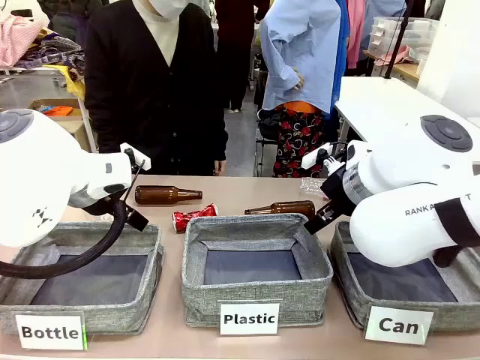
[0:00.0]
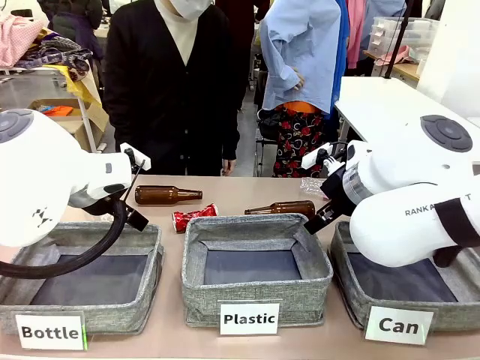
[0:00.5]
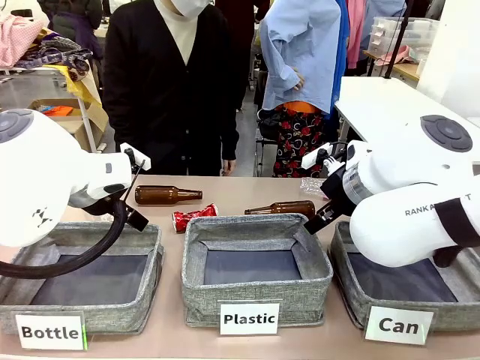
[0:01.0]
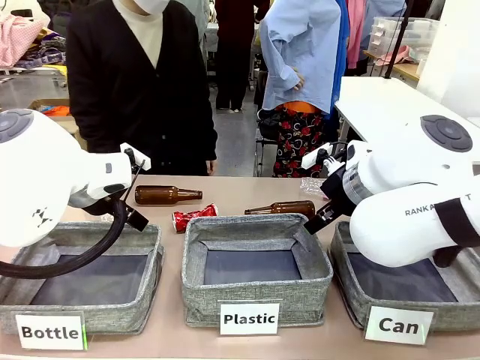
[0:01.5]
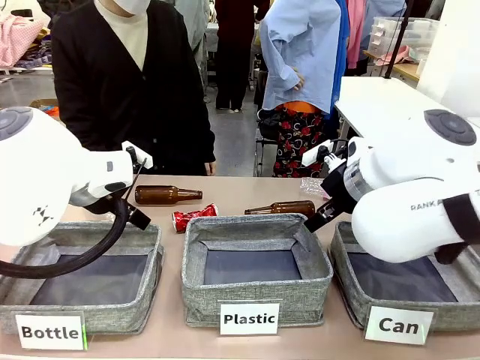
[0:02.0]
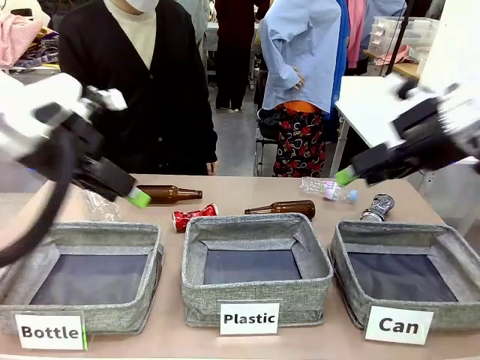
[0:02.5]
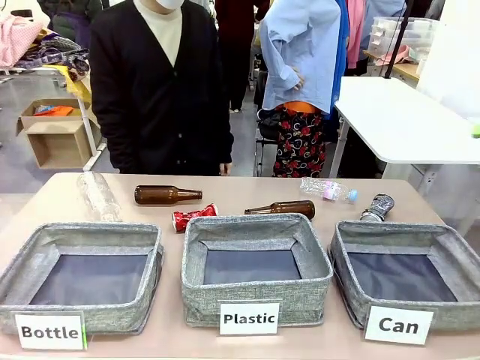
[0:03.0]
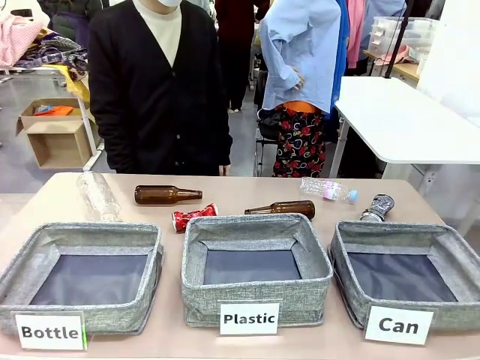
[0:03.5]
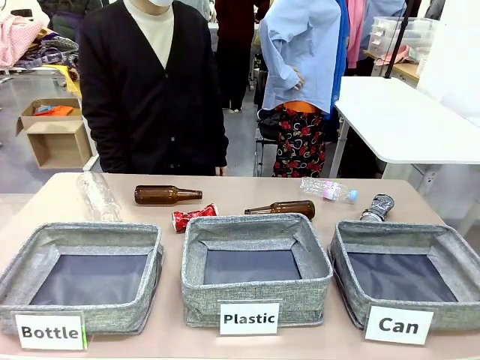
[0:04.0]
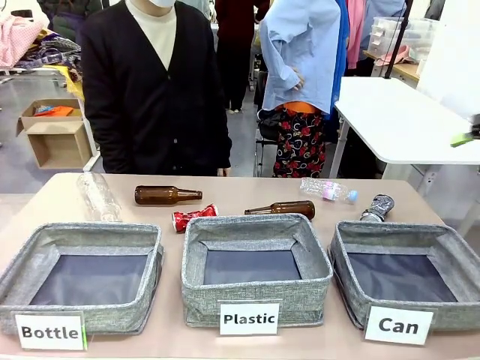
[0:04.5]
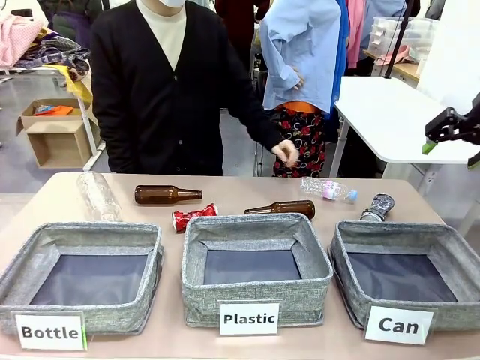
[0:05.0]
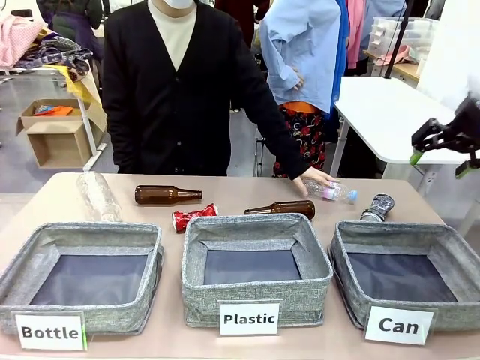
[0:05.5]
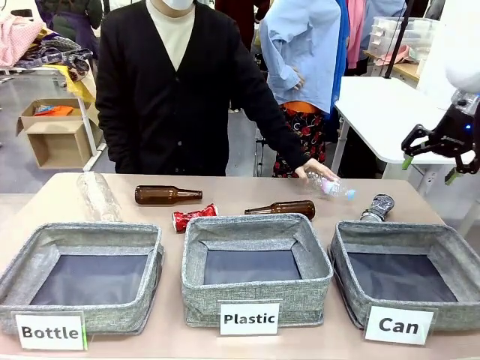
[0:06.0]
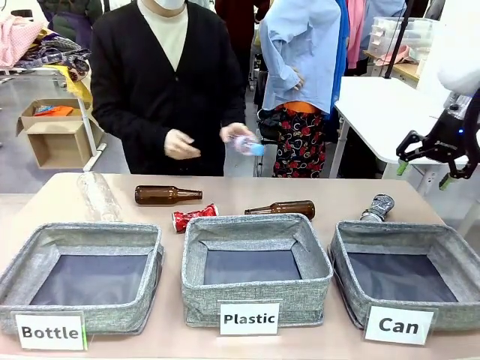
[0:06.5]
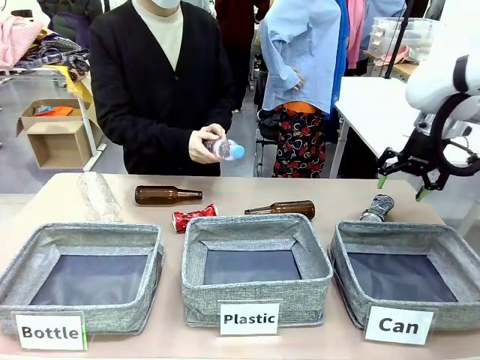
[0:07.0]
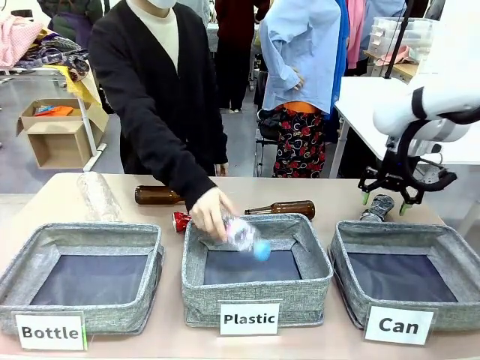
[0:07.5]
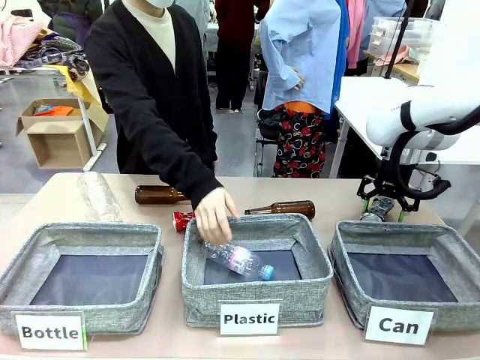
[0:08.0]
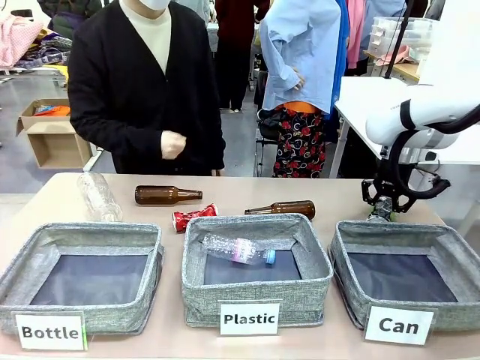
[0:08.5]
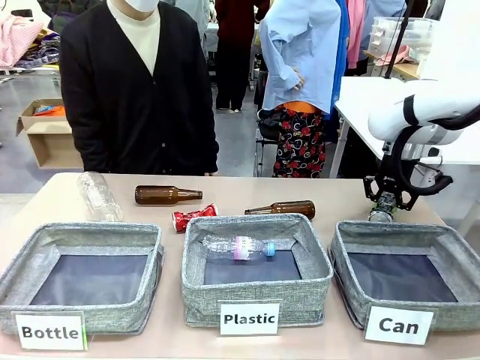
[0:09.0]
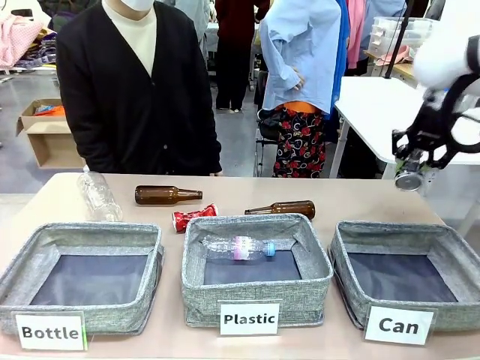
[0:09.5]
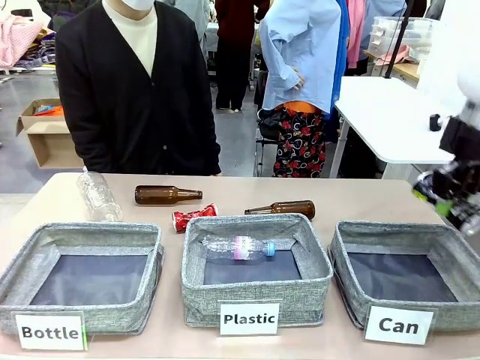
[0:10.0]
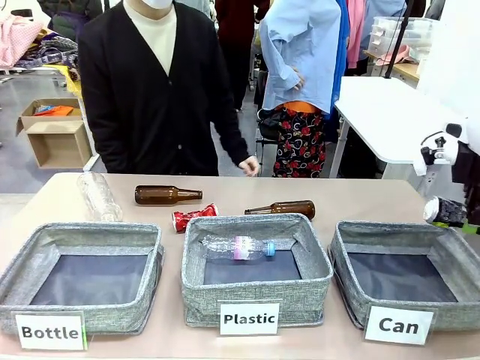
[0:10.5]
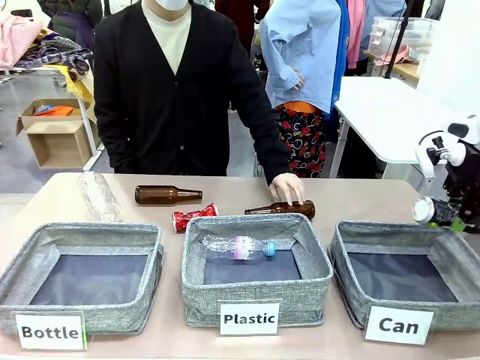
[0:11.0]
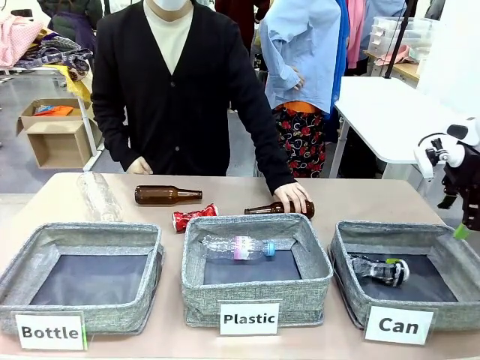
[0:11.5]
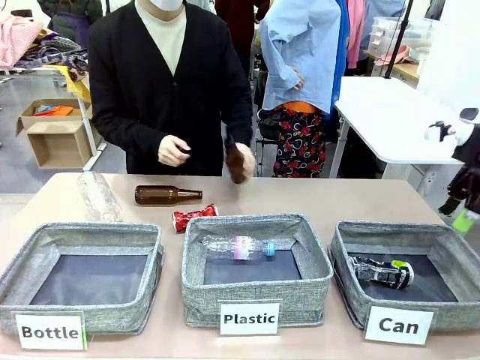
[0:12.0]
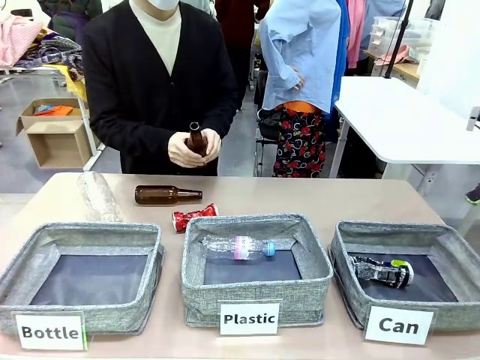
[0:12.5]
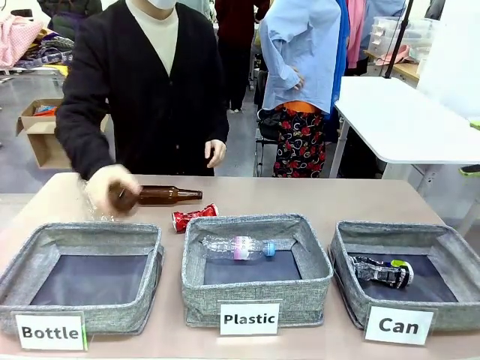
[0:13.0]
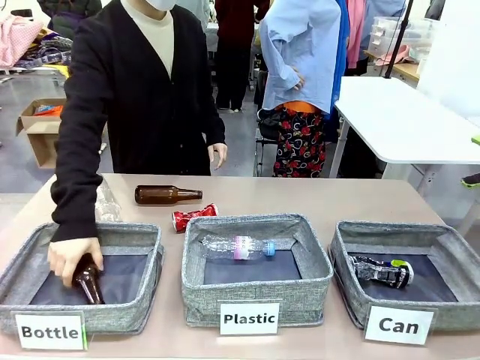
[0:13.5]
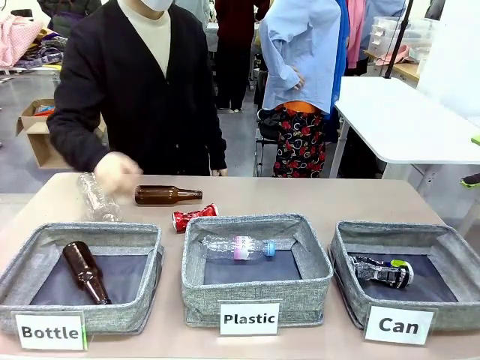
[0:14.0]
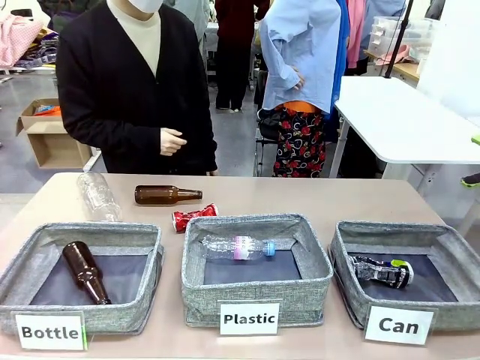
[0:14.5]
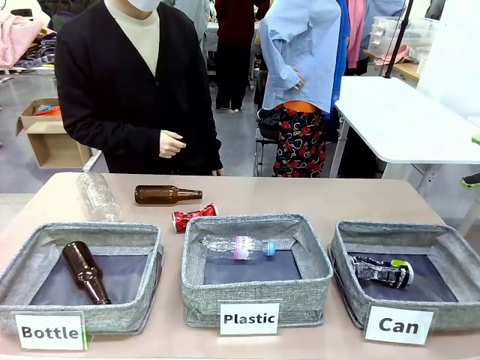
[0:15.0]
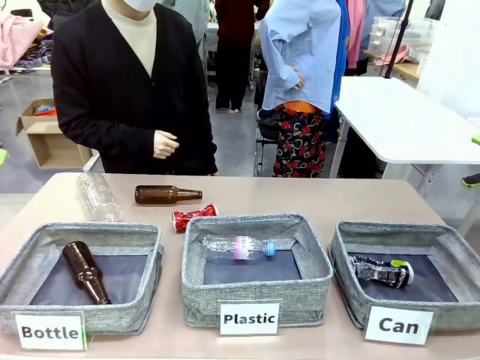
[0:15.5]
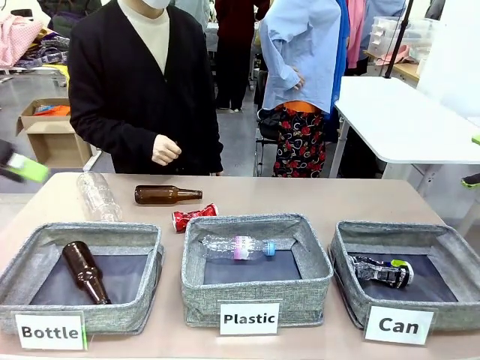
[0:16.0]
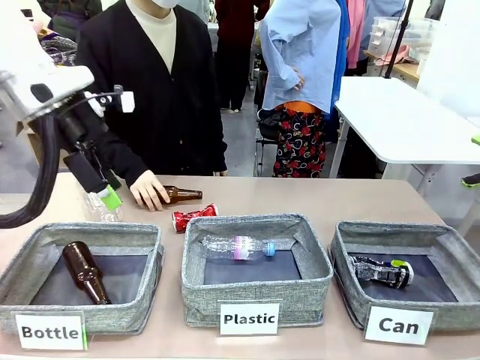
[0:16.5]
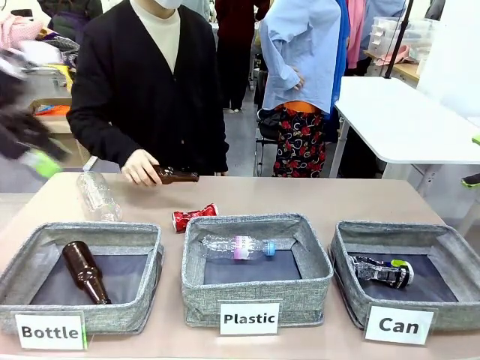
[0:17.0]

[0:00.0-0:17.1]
Task: Sort the can waste into the basket.
Robot: Pick up the can waste from the table and place it in the right Fabric basket.

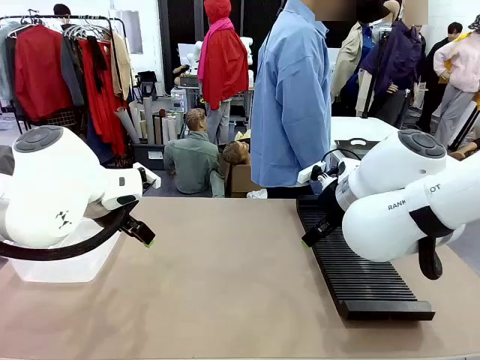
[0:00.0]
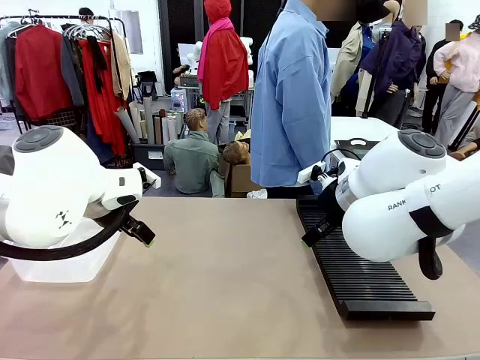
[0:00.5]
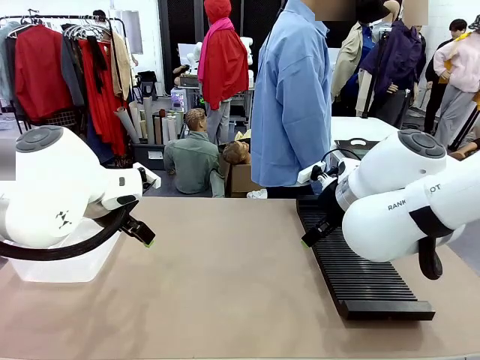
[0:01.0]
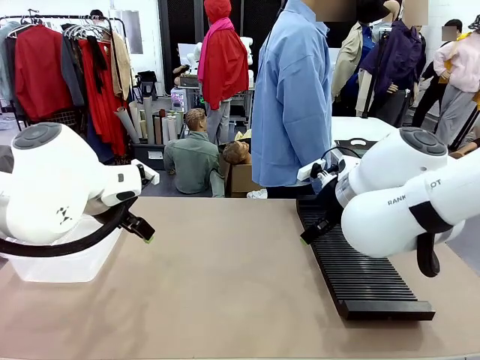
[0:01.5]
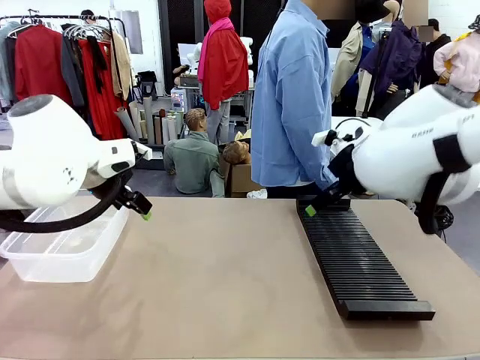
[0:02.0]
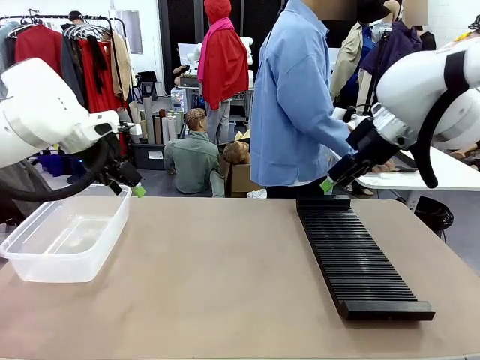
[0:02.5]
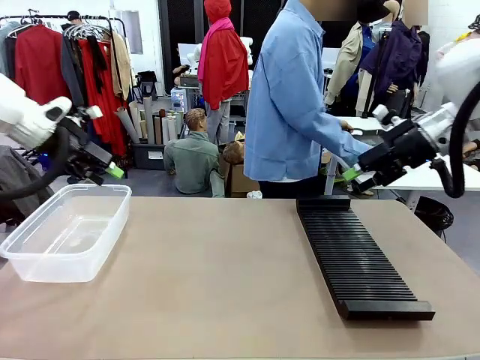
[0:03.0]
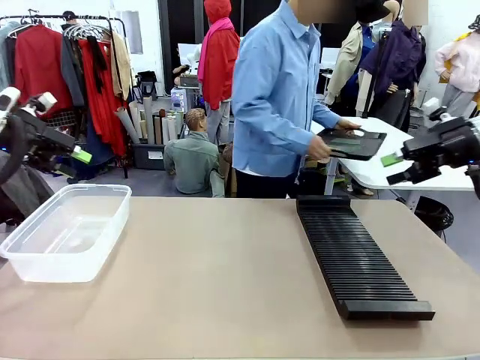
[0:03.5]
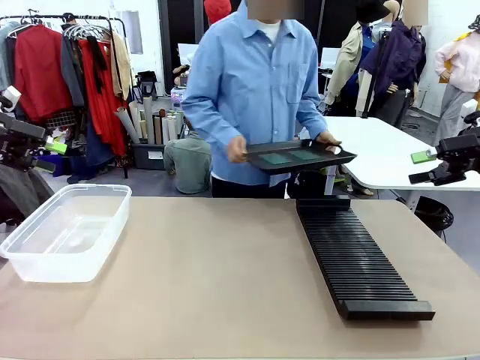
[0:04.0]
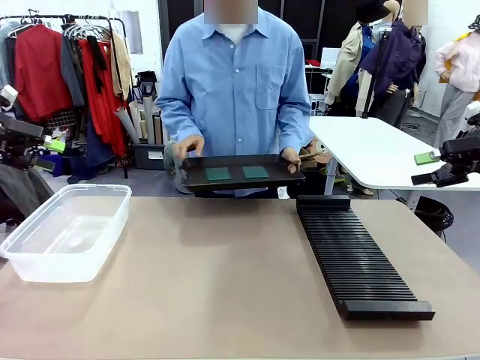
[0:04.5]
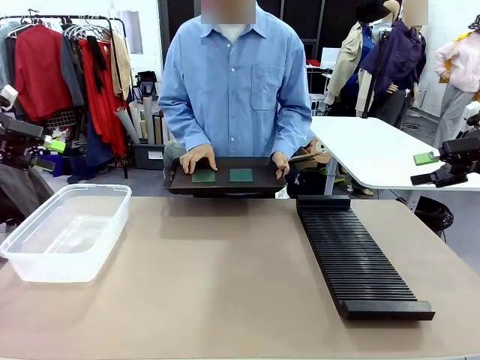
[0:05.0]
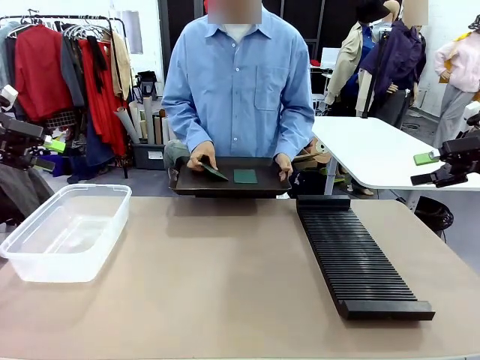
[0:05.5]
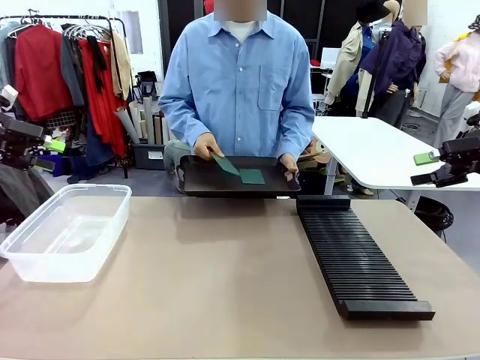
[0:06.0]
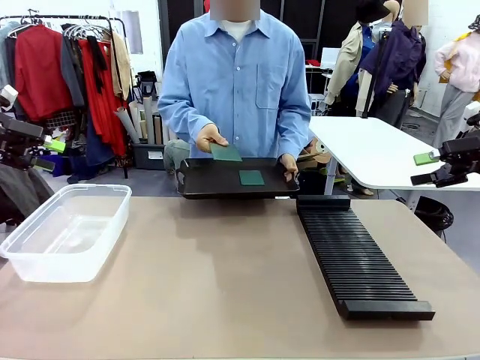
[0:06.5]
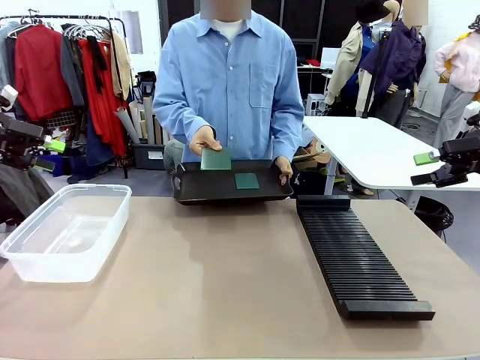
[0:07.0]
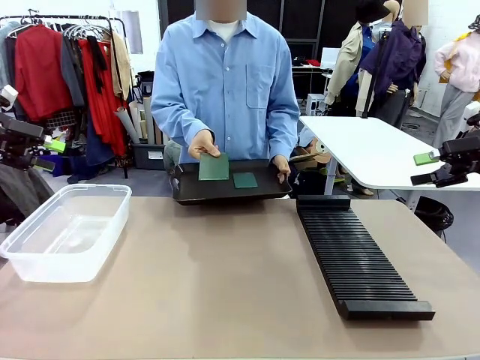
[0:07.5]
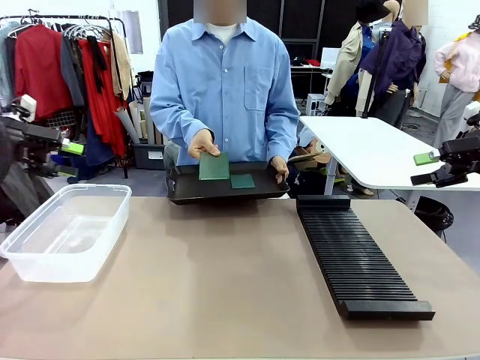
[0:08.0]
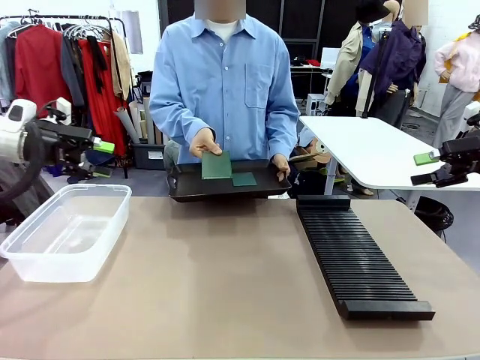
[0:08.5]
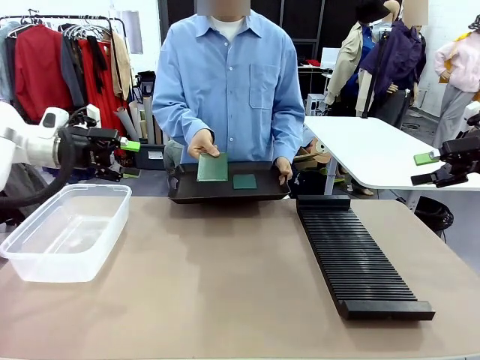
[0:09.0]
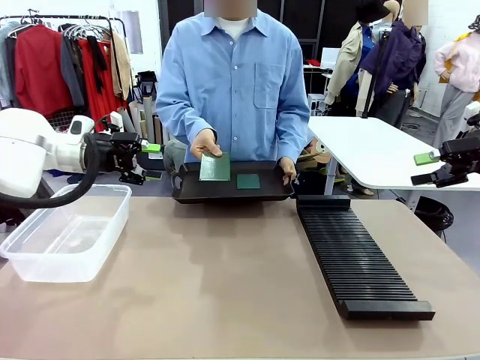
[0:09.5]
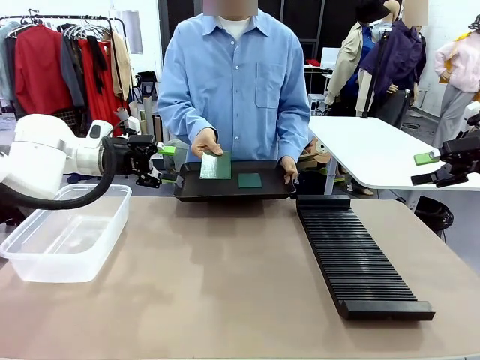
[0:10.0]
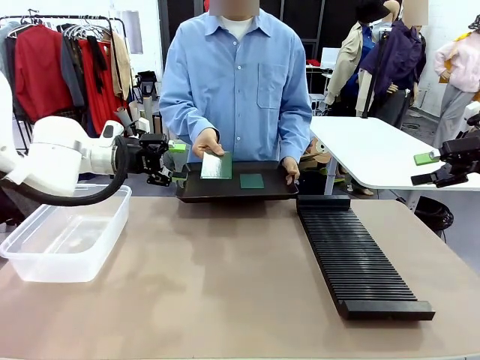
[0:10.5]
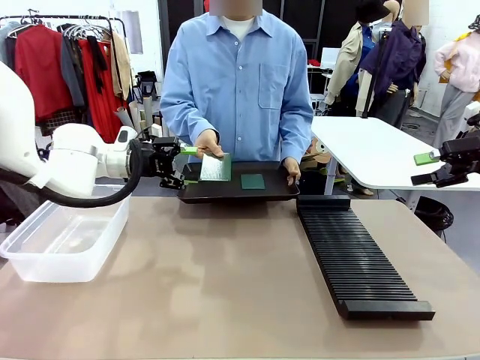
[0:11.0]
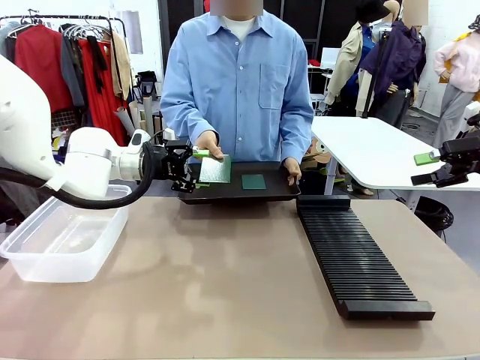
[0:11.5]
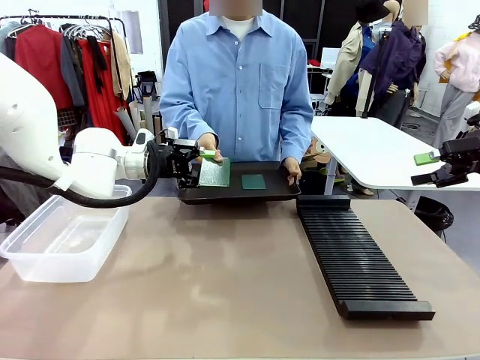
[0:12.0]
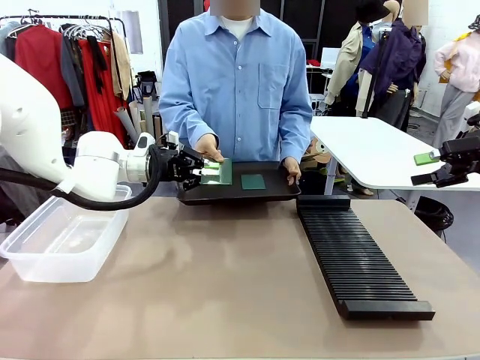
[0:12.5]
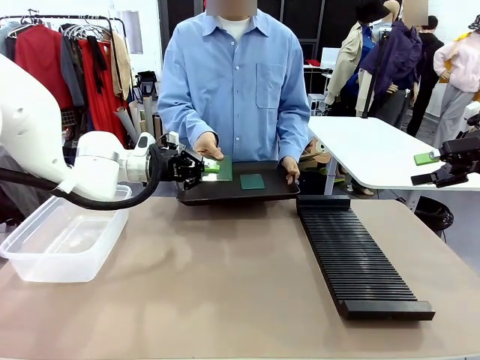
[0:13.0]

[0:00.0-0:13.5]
Task: Sort PCBs into racks and boxes based on the side picked up.
Robot: Pick up the Blank PCB handed by the Human.
Person: Pick one PCB from the tray and present it to the robot. Release the PCB being held.
